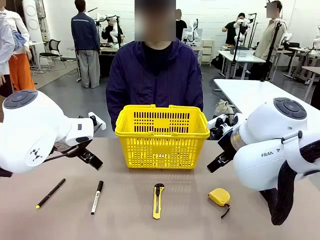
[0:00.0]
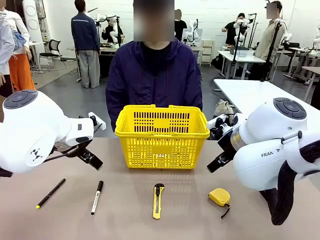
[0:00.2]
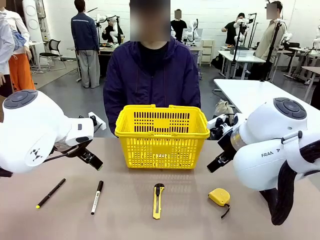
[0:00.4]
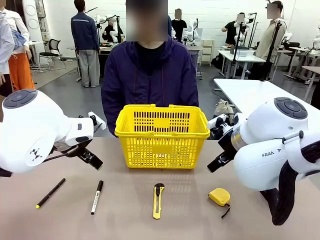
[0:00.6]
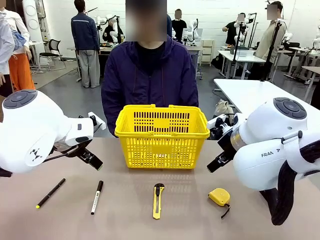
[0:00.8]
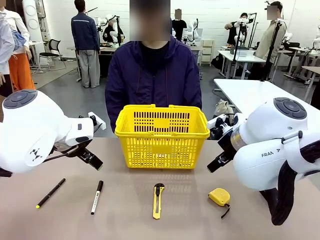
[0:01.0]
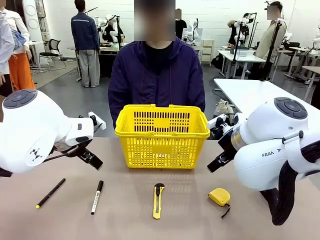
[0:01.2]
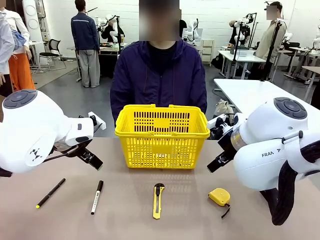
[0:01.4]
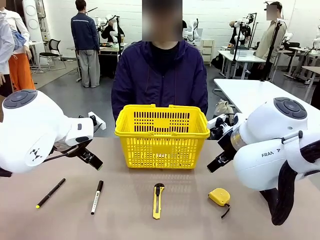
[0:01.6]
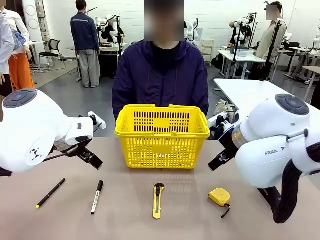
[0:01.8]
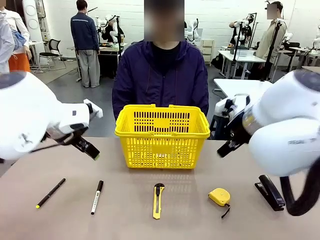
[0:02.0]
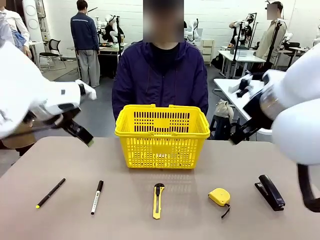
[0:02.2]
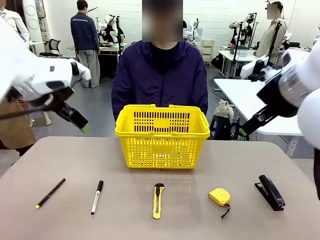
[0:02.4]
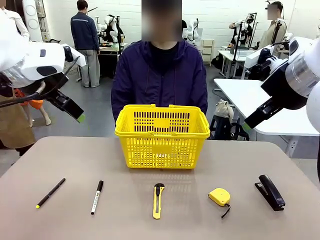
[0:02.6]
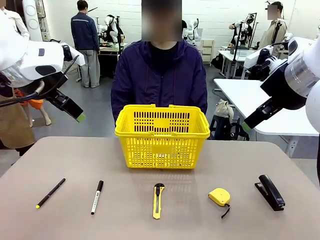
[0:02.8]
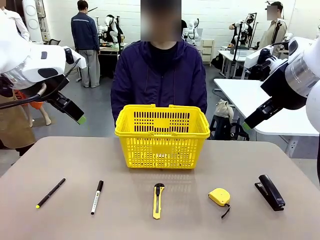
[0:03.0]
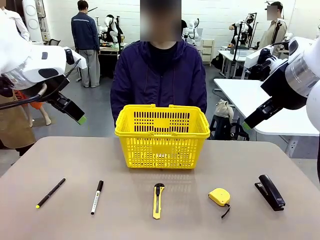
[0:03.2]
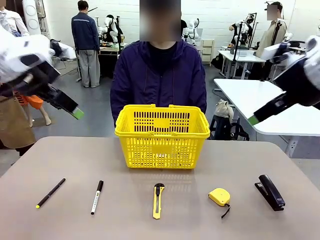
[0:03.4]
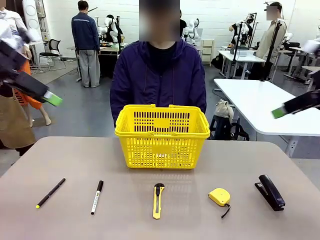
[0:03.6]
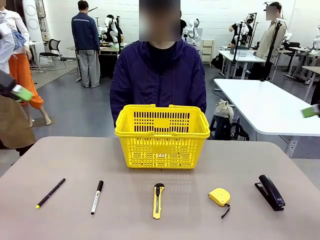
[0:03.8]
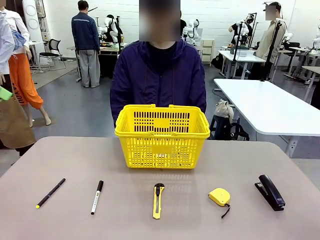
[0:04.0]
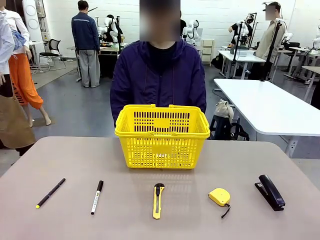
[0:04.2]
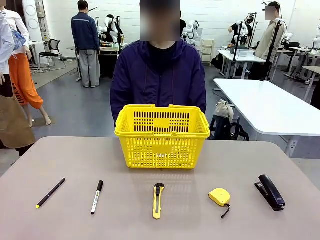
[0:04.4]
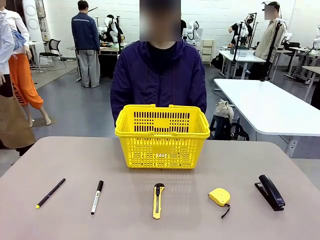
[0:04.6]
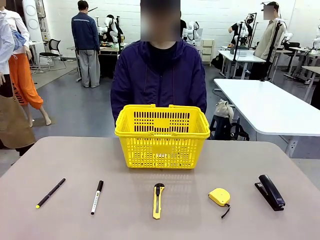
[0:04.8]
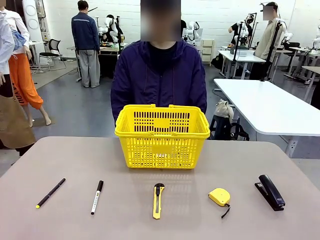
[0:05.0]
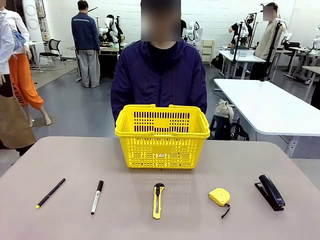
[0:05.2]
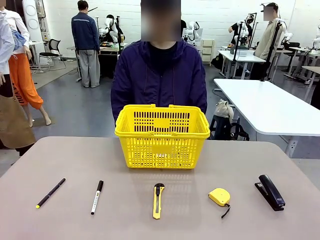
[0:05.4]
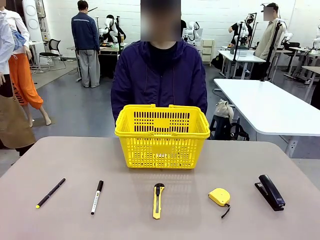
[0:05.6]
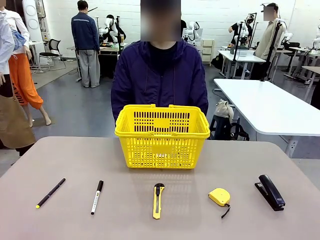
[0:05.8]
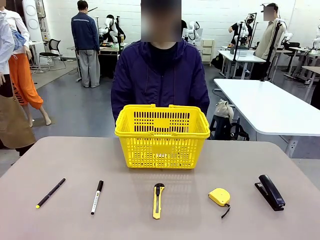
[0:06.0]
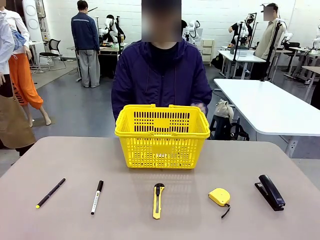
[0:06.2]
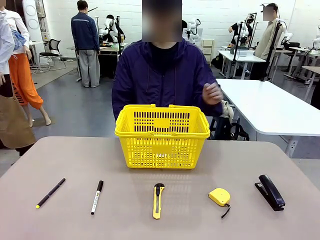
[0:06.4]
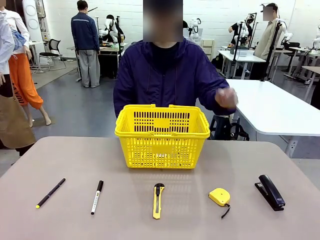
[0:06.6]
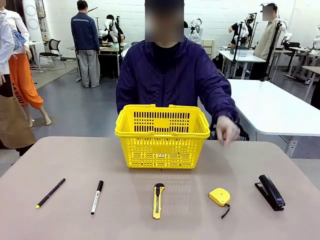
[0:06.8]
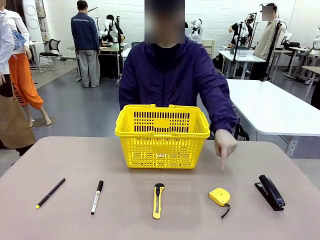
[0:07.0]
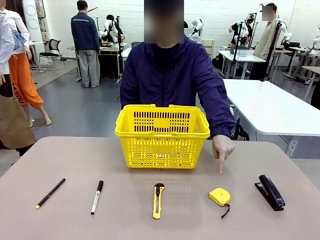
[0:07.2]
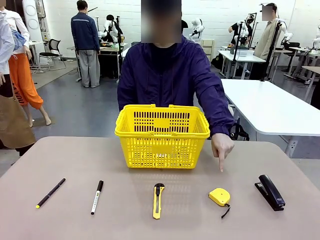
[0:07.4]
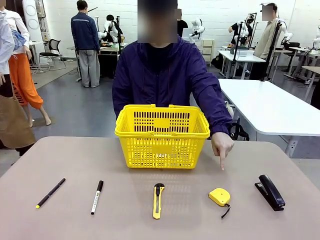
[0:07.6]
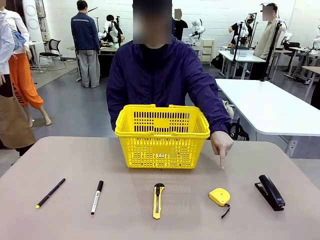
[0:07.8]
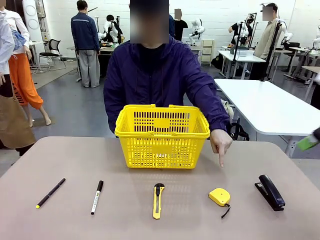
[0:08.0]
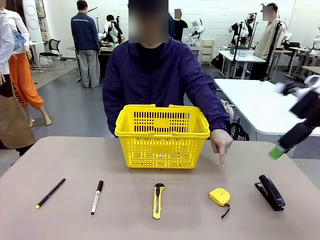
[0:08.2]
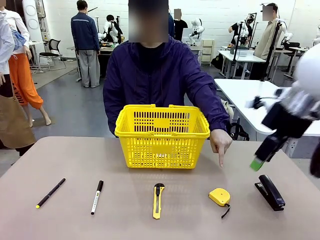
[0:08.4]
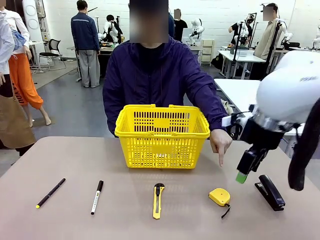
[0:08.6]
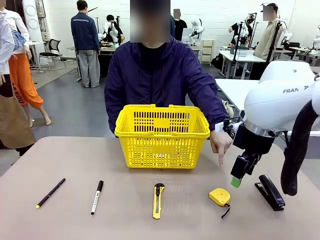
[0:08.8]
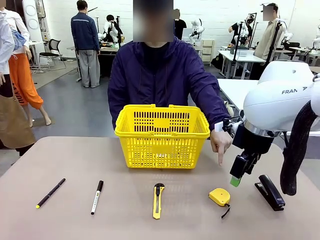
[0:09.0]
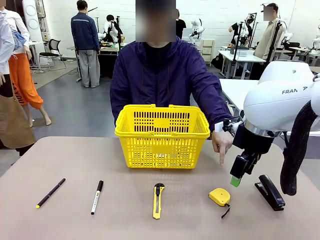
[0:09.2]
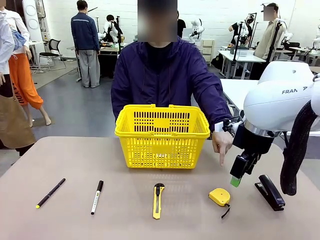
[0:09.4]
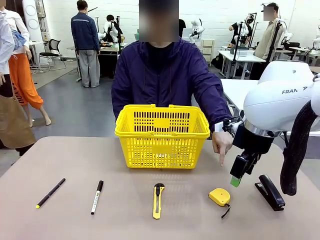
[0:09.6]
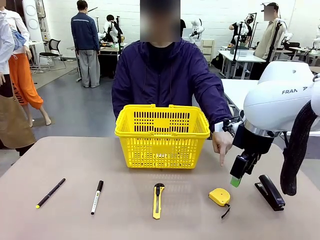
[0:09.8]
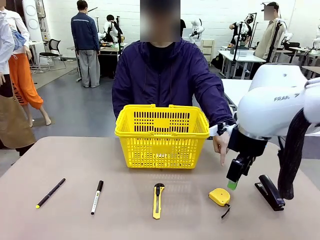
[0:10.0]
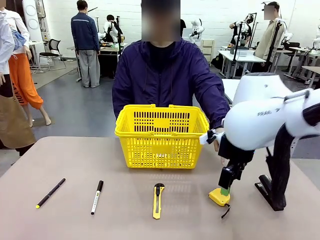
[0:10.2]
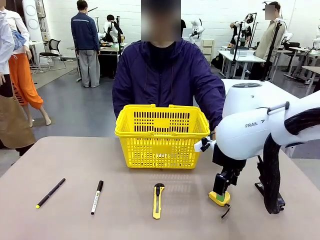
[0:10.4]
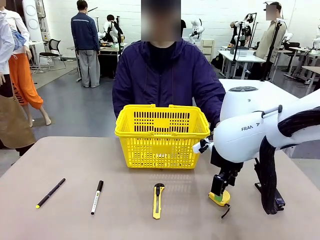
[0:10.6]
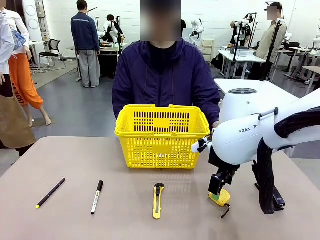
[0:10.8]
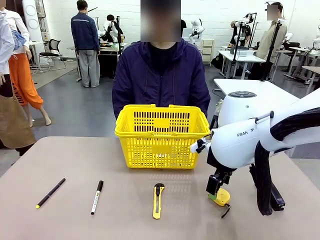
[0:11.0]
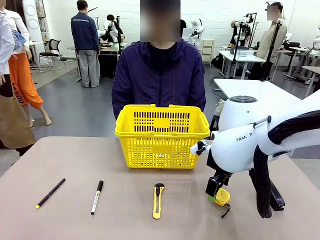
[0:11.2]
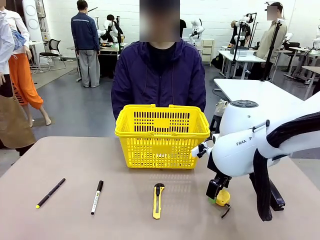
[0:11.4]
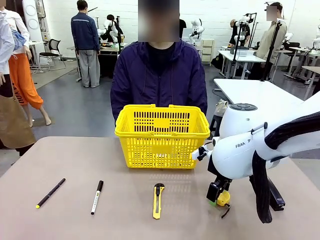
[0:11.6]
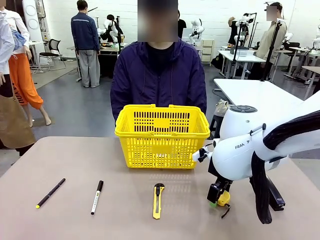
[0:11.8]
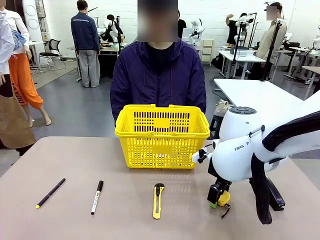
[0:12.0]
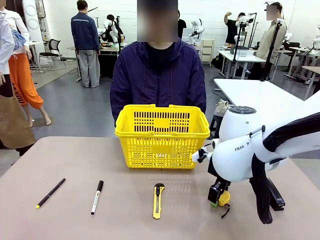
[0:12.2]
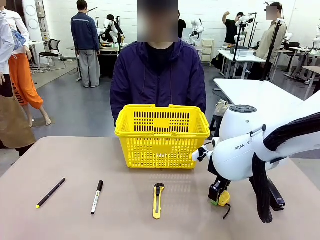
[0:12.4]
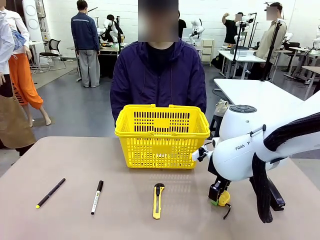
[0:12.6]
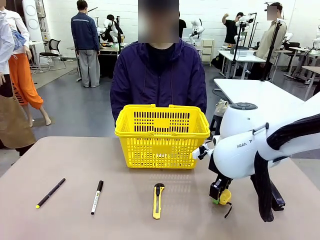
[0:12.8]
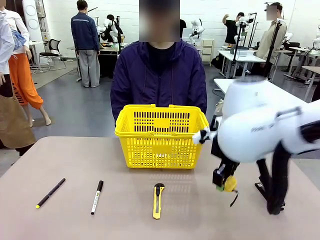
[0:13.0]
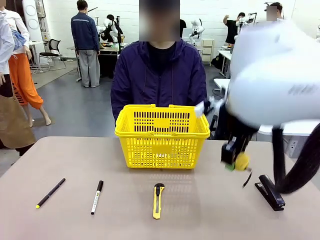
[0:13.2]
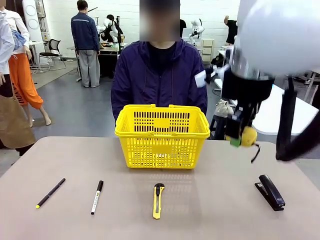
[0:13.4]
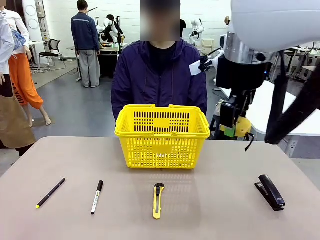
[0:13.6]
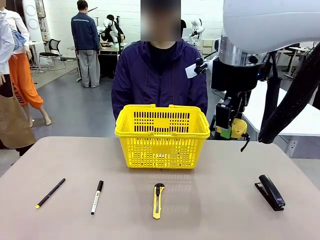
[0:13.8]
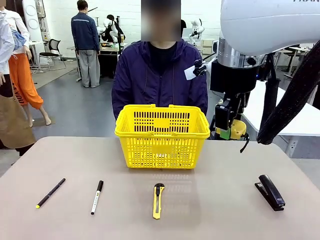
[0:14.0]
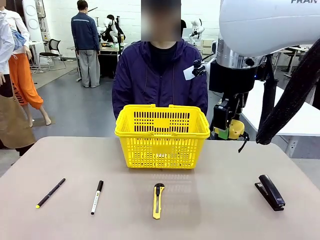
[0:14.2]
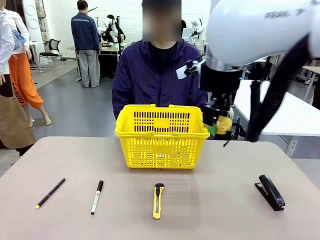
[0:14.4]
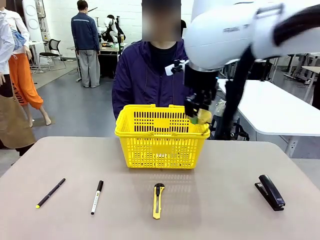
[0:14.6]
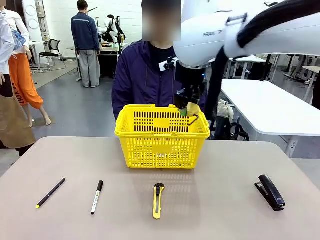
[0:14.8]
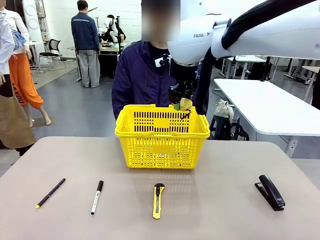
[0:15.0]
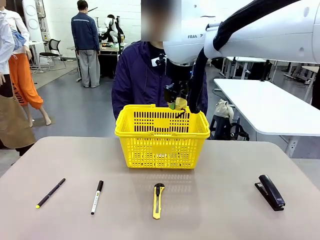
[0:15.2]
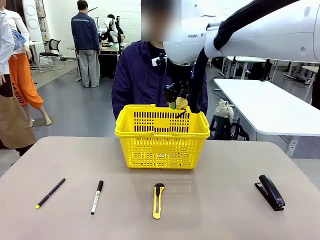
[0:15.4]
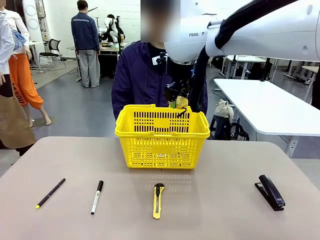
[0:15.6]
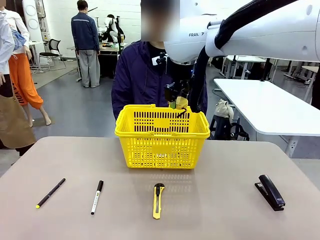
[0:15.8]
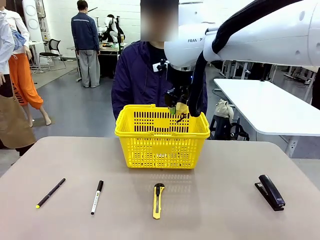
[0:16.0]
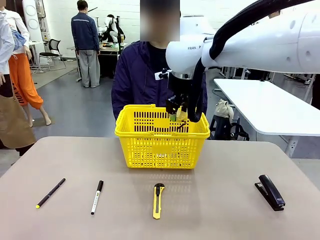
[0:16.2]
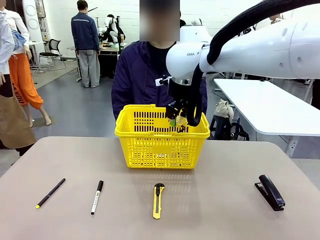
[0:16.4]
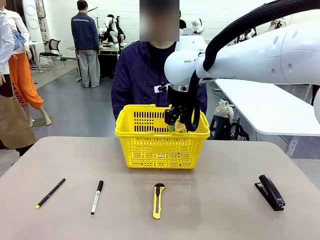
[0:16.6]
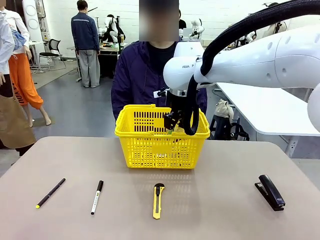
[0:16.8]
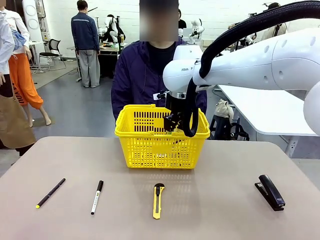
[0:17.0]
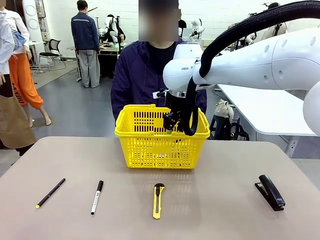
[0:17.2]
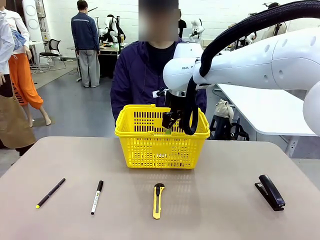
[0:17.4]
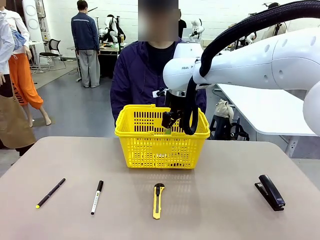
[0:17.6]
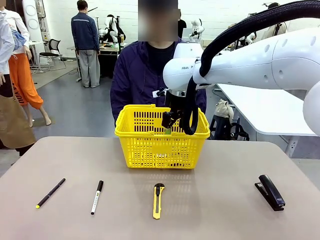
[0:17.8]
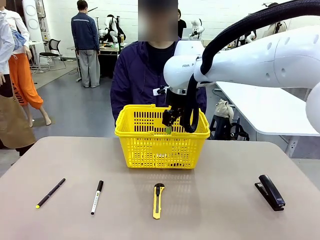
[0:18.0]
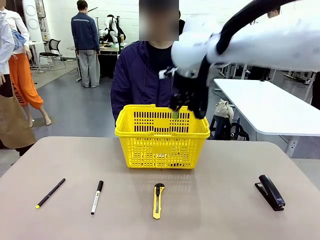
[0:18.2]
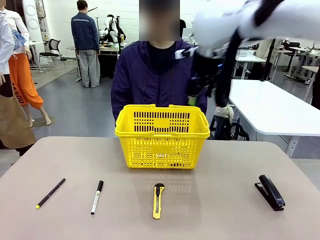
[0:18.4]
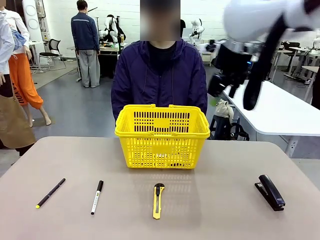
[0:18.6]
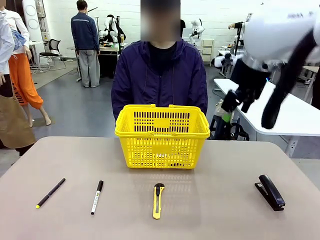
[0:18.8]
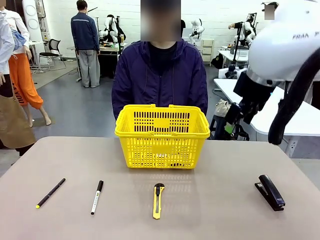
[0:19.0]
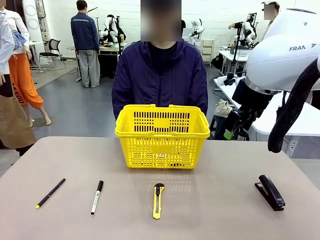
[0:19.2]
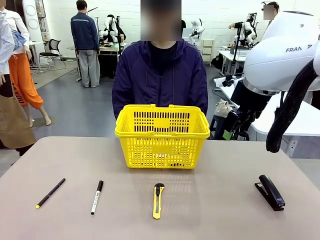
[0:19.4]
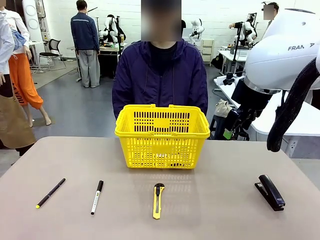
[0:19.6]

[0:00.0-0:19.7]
Task: Place the items the person wants into the basket.
Robot: Pick up the item the person points to and place it in the Market Basket.
